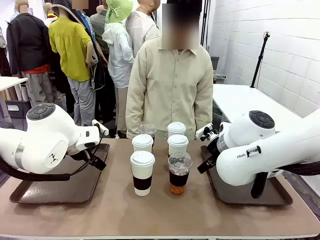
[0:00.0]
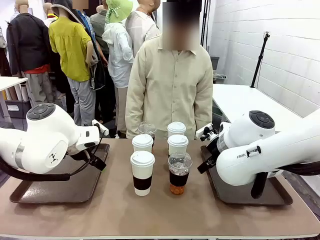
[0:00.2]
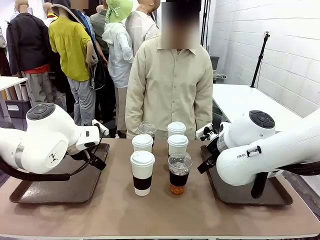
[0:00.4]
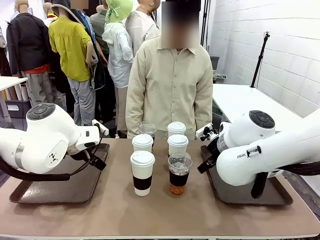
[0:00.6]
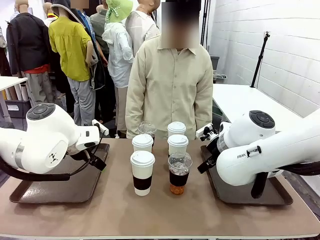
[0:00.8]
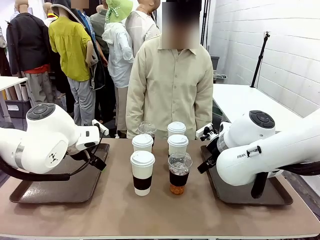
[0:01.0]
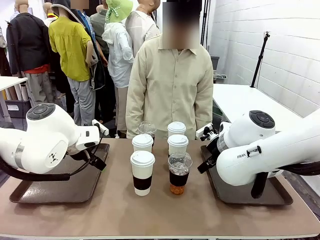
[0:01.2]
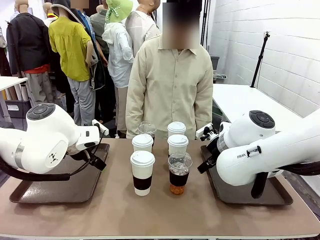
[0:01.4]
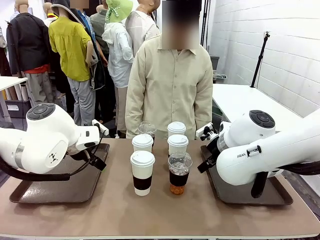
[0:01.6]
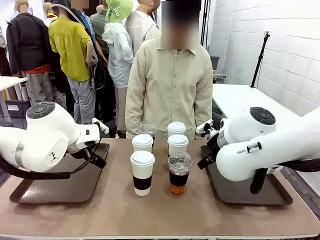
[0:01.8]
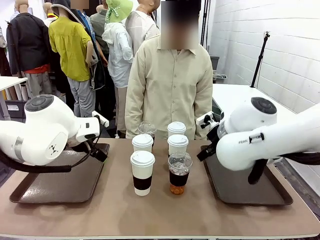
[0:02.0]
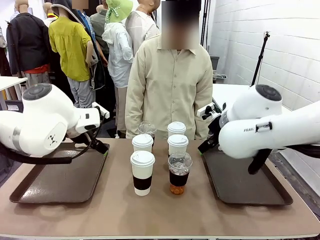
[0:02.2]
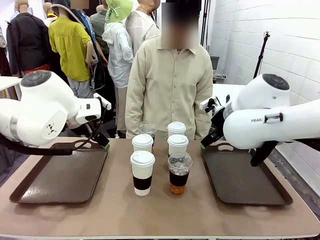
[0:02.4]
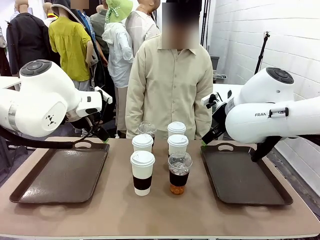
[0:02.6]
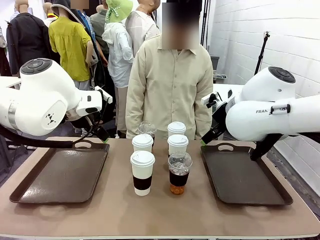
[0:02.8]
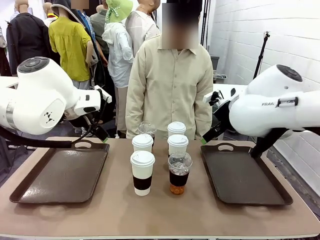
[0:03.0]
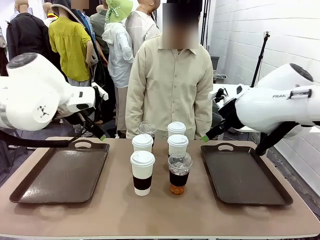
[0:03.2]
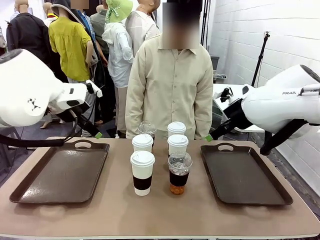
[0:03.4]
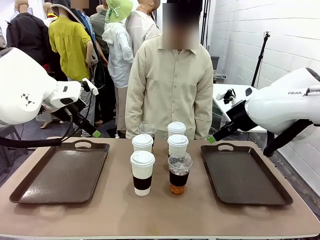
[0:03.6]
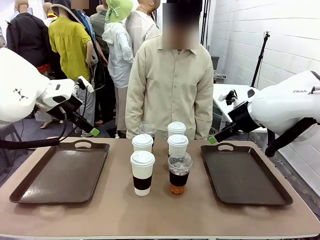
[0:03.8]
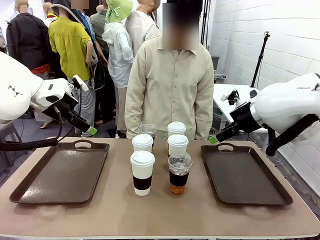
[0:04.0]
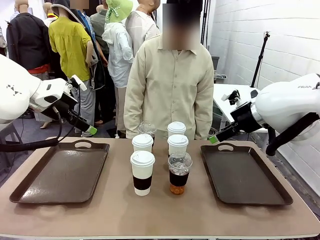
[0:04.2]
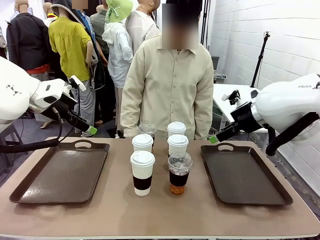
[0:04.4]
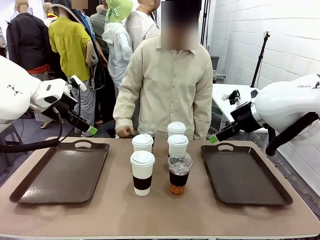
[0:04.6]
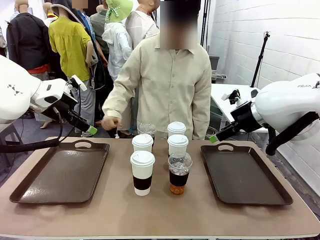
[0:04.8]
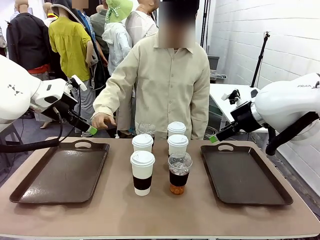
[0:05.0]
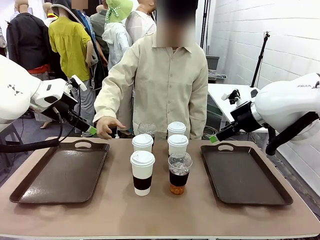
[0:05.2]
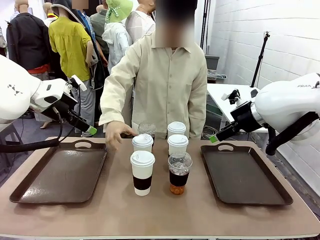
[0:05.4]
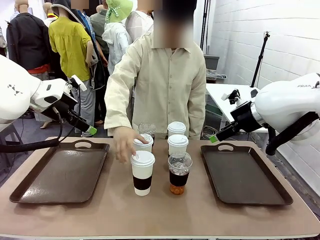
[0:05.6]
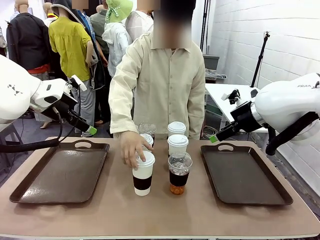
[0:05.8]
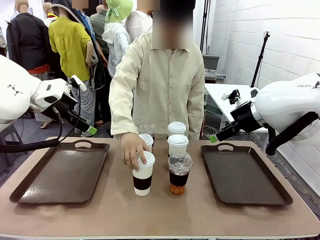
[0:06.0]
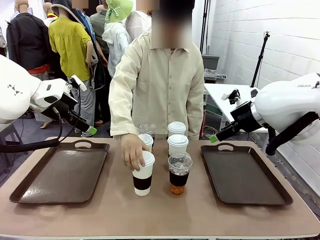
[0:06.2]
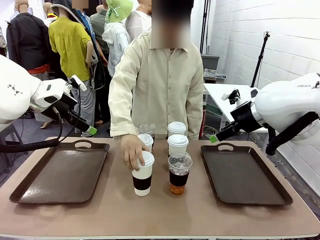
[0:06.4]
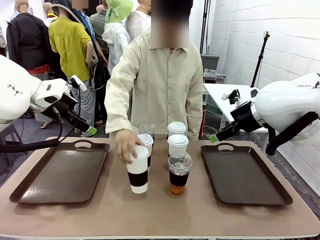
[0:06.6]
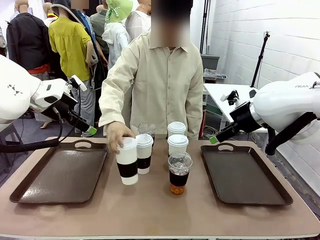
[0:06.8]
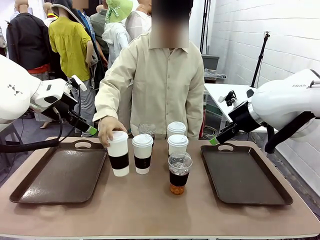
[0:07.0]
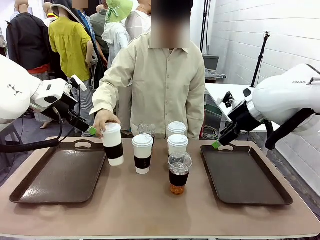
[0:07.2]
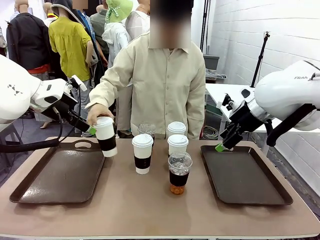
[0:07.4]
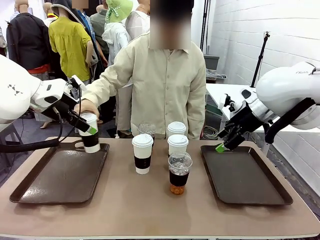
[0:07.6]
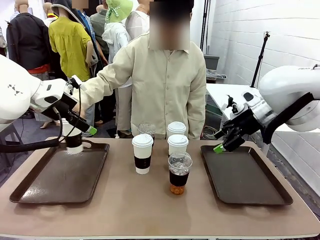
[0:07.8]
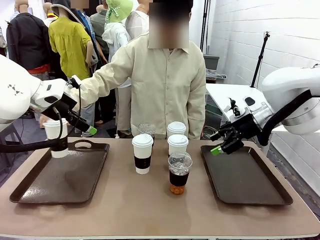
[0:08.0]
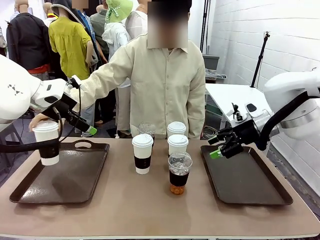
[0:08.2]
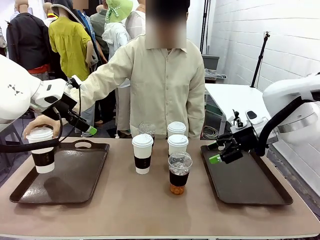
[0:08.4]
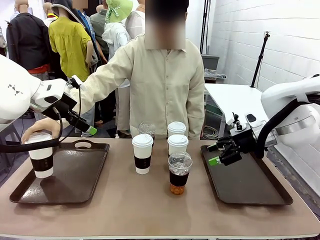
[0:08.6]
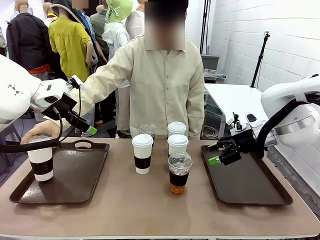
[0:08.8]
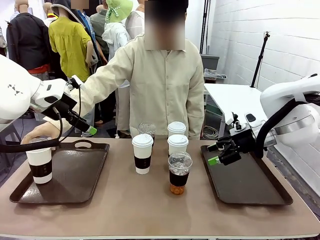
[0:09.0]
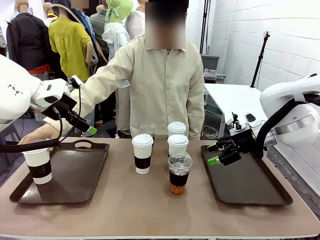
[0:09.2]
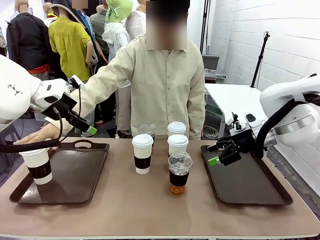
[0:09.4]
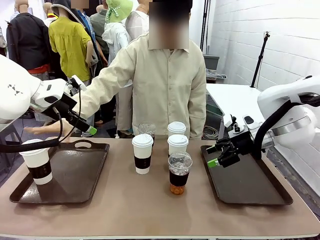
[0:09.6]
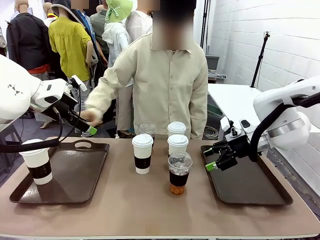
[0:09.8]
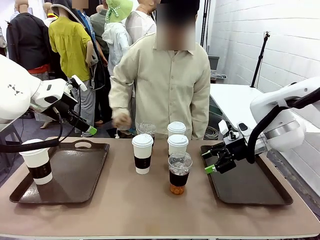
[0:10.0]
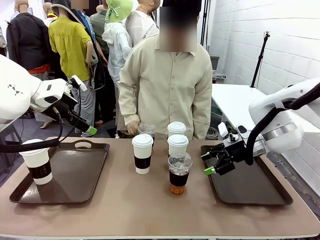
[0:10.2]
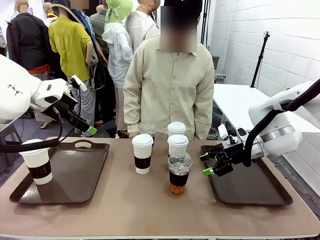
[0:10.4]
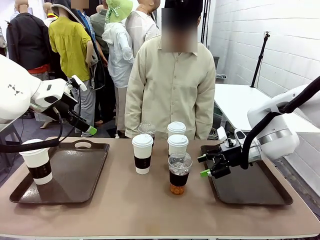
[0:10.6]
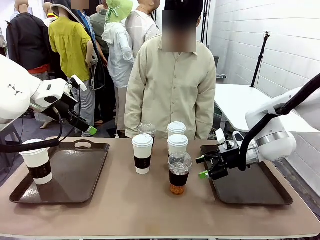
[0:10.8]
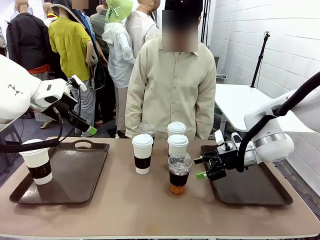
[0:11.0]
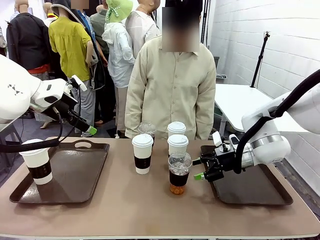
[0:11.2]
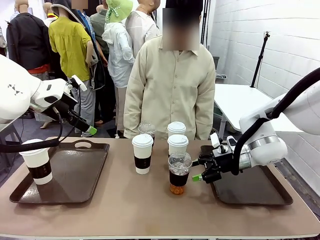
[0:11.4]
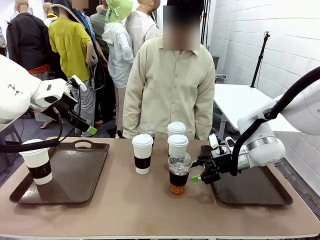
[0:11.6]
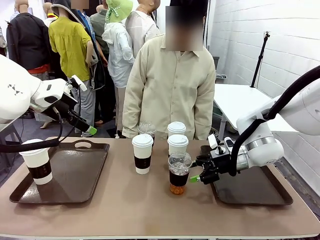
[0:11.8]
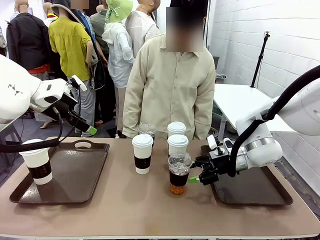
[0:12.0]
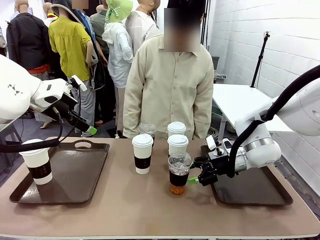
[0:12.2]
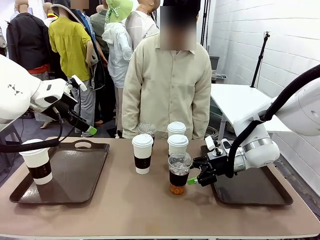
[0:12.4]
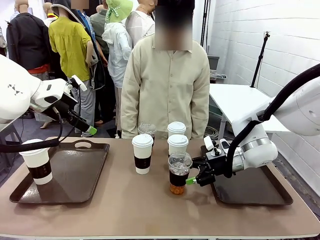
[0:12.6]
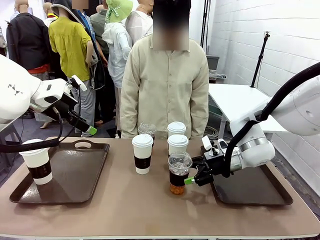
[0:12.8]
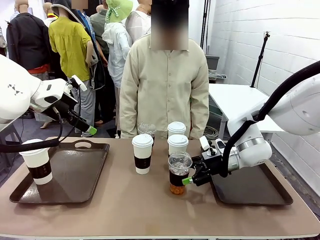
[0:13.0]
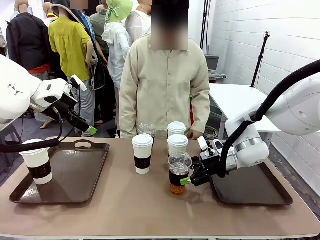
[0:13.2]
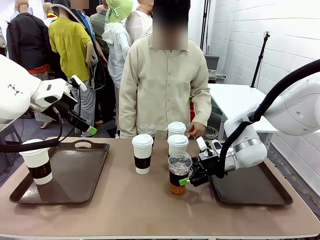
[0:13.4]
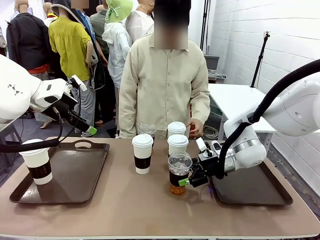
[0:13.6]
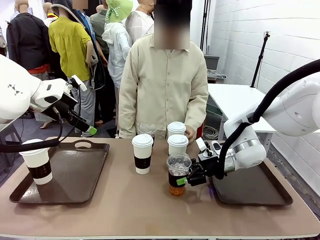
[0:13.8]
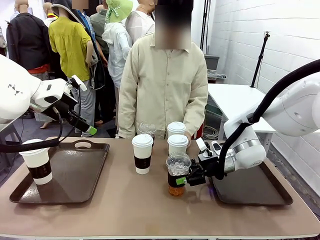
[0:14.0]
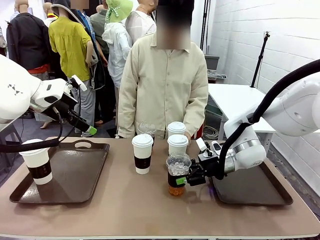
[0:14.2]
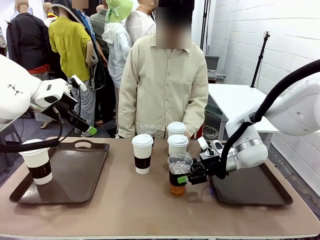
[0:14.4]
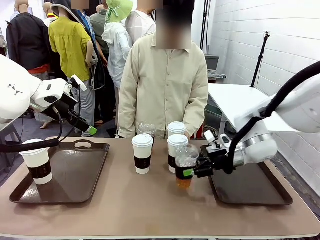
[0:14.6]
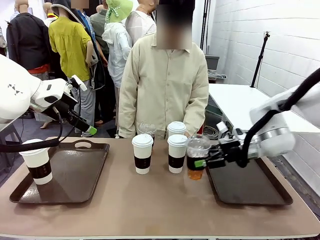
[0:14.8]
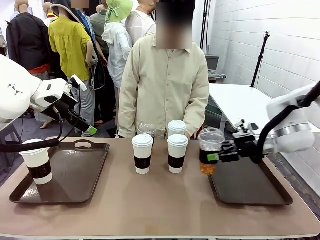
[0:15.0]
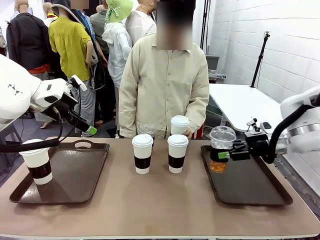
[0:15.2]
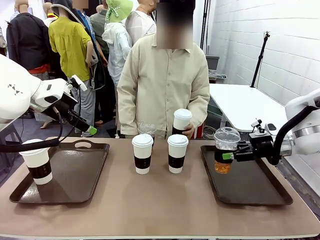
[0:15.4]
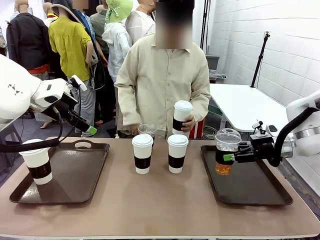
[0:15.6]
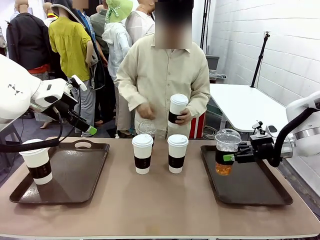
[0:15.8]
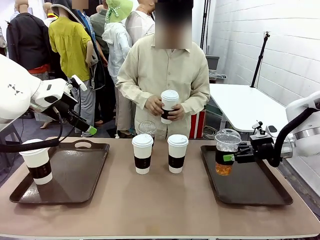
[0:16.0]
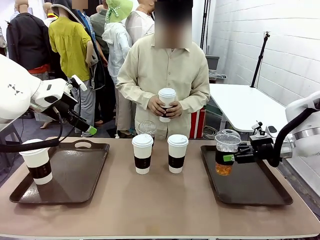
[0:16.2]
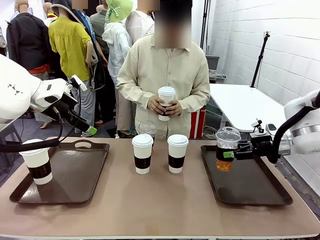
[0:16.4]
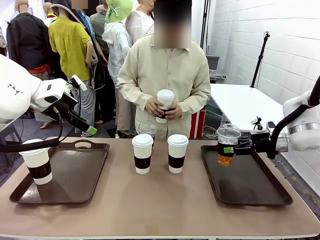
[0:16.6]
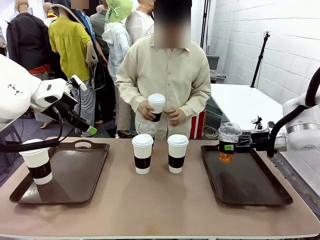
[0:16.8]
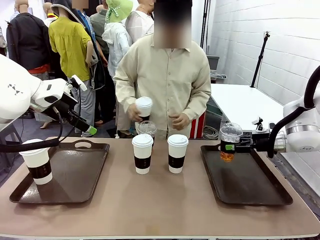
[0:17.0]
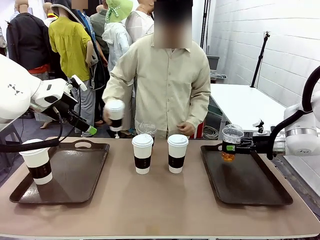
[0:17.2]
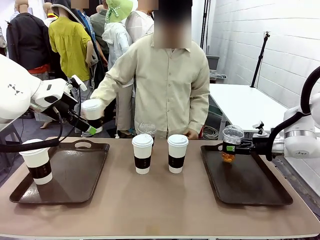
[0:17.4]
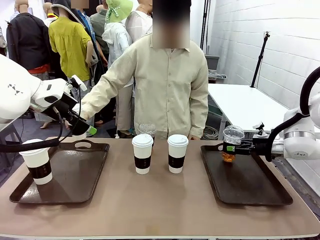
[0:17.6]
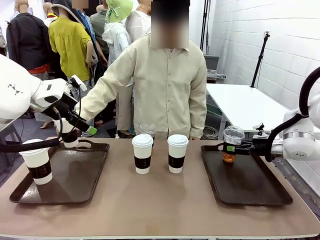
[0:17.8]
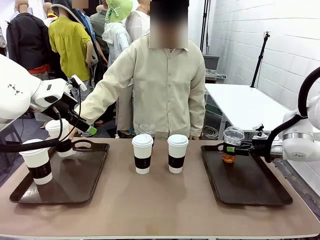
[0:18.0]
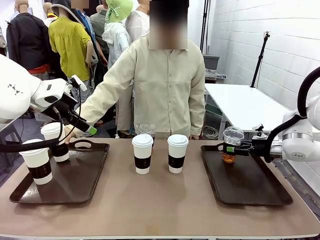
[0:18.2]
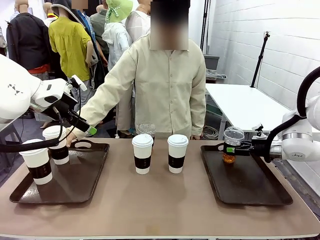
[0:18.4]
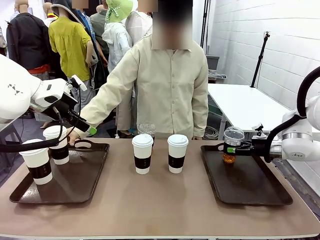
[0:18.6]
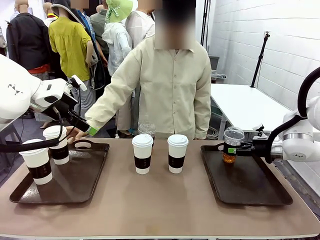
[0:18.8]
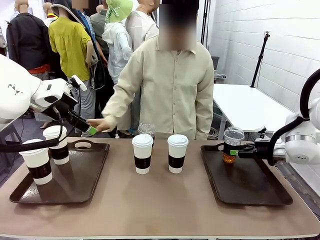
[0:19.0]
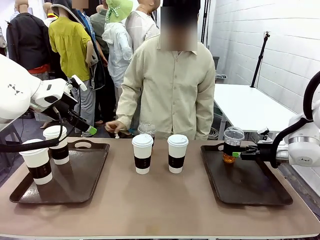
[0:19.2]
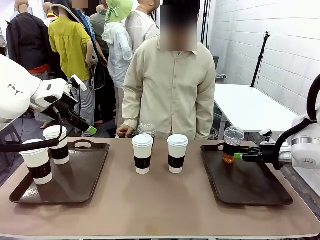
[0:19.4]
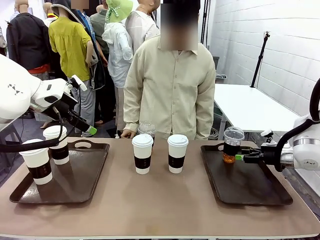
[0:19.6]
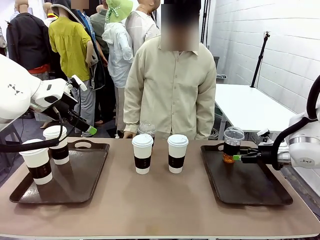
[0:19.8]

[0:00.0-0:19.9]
Task: Distribute the coffee onto the tray.
Robot: Pick up one iced Americano and place it on the right Handle tray.
Person: Pick up a cup of hot Americano and place it on the right tray.
